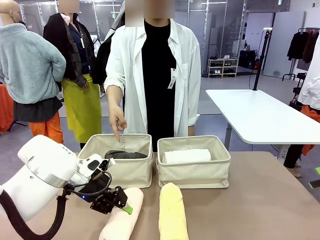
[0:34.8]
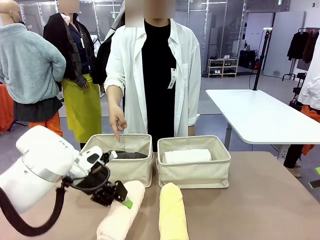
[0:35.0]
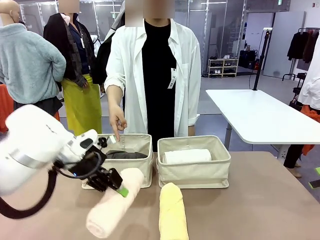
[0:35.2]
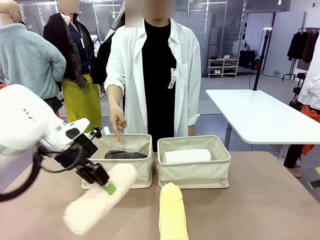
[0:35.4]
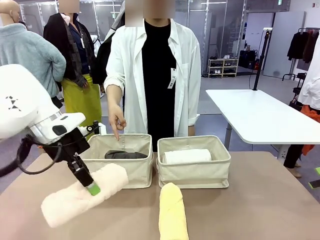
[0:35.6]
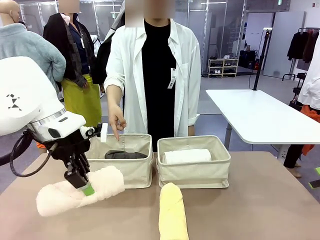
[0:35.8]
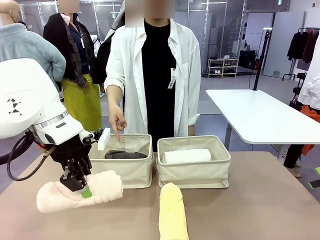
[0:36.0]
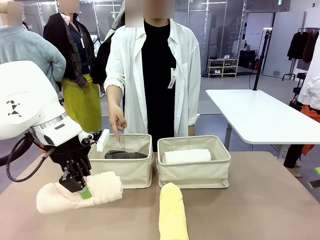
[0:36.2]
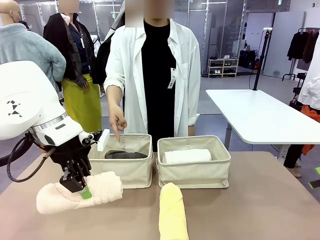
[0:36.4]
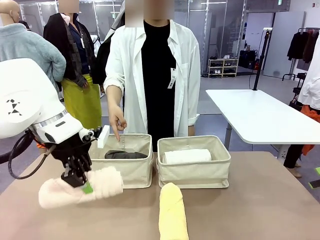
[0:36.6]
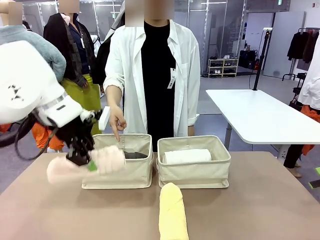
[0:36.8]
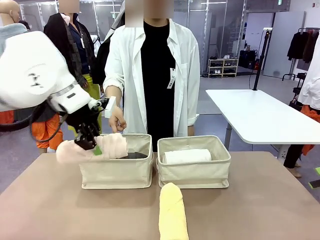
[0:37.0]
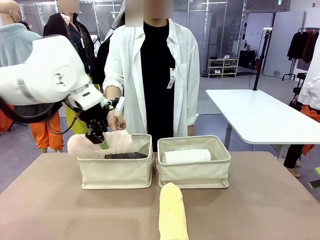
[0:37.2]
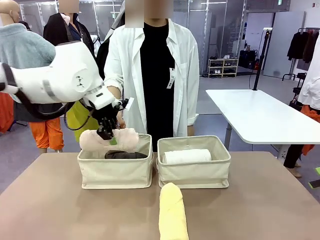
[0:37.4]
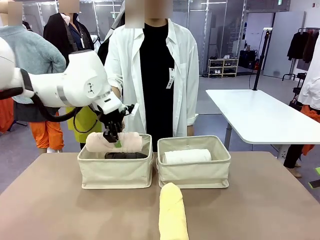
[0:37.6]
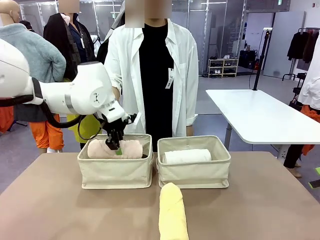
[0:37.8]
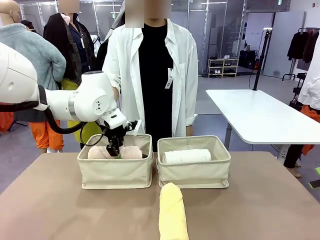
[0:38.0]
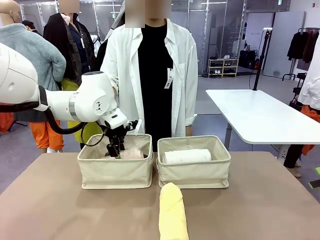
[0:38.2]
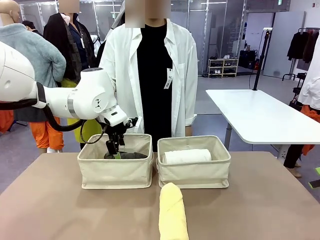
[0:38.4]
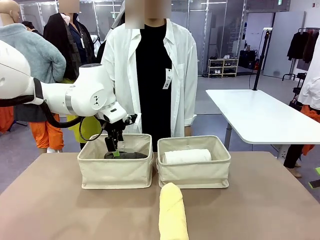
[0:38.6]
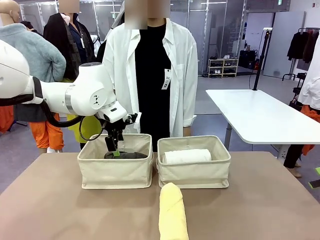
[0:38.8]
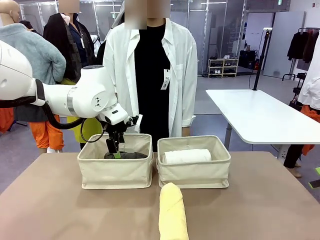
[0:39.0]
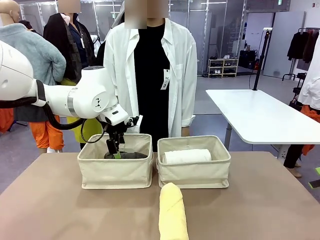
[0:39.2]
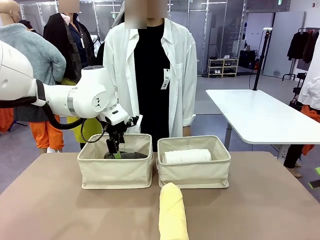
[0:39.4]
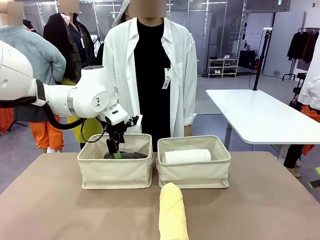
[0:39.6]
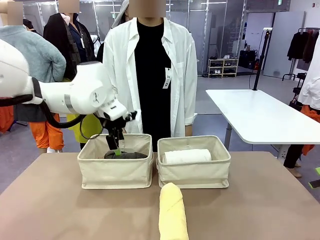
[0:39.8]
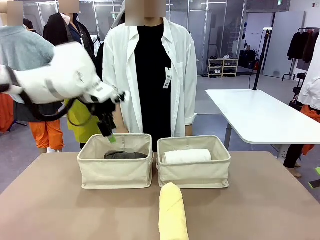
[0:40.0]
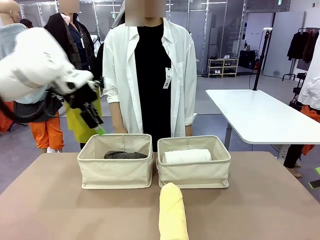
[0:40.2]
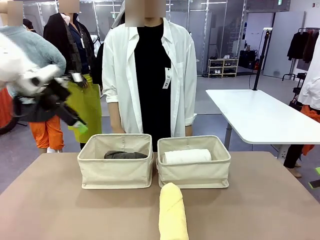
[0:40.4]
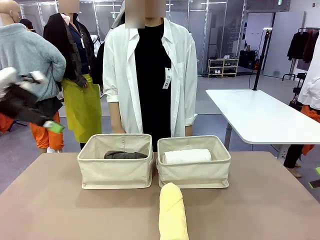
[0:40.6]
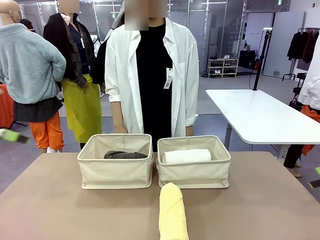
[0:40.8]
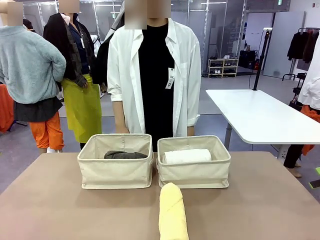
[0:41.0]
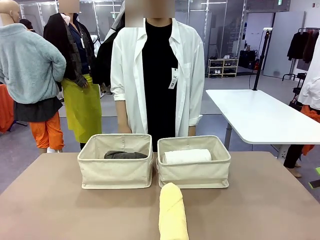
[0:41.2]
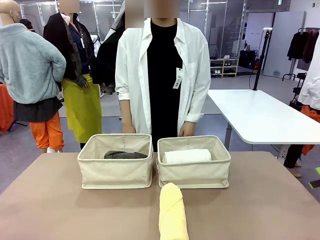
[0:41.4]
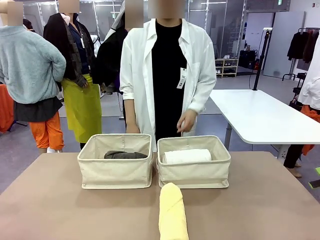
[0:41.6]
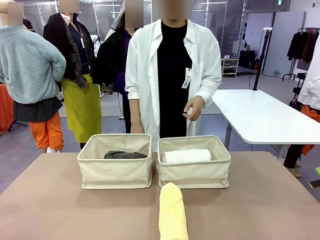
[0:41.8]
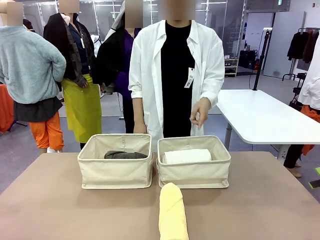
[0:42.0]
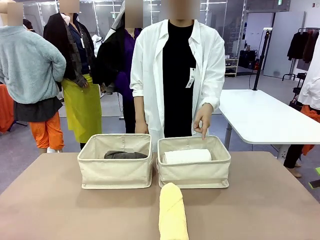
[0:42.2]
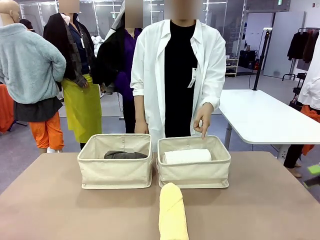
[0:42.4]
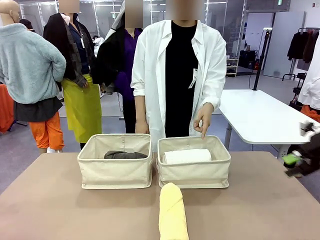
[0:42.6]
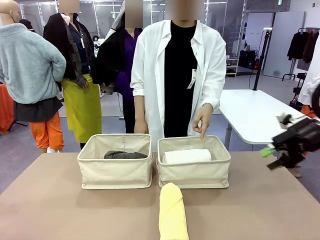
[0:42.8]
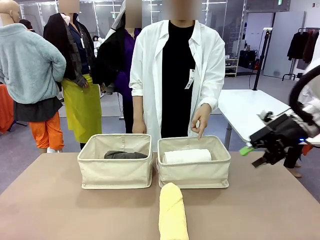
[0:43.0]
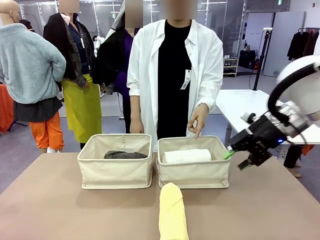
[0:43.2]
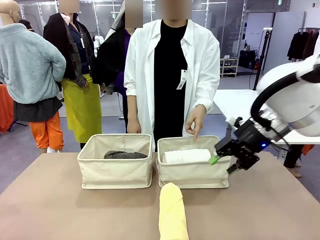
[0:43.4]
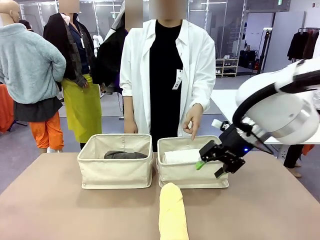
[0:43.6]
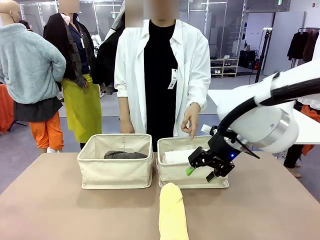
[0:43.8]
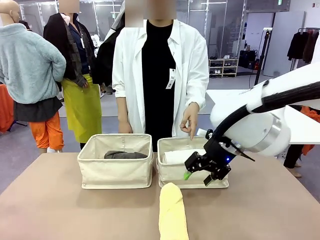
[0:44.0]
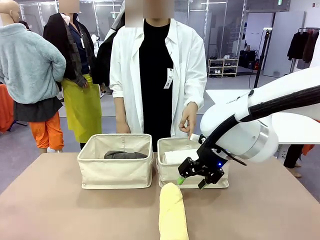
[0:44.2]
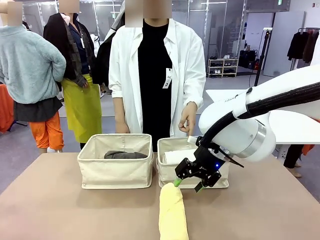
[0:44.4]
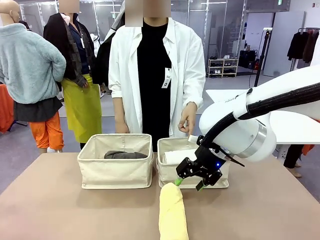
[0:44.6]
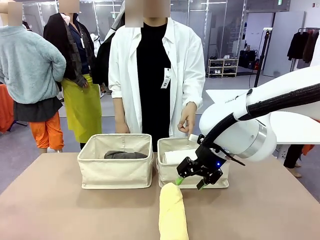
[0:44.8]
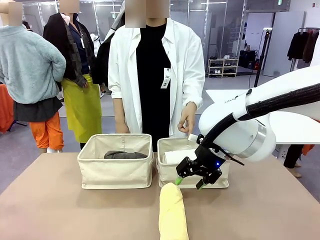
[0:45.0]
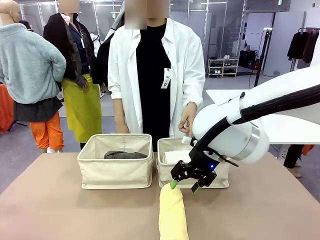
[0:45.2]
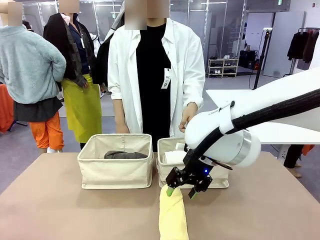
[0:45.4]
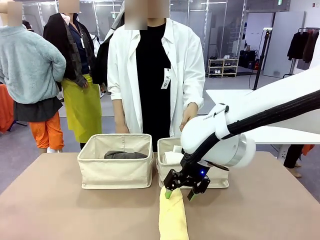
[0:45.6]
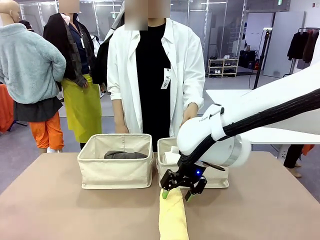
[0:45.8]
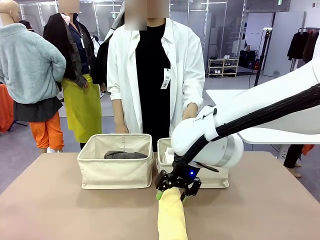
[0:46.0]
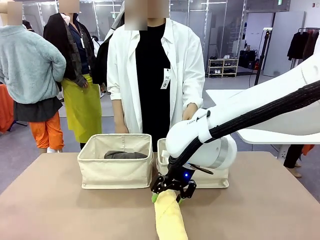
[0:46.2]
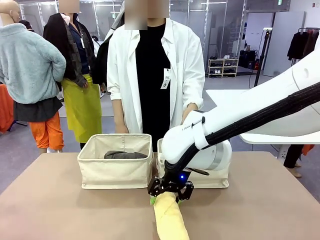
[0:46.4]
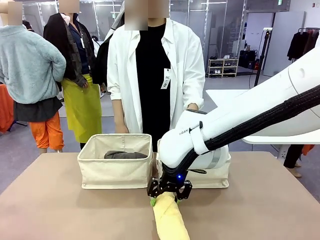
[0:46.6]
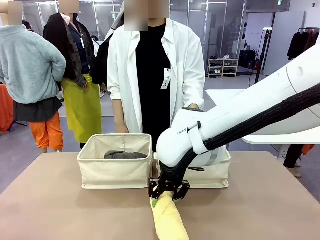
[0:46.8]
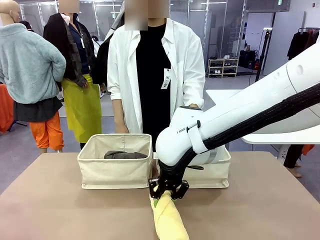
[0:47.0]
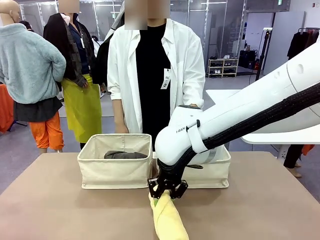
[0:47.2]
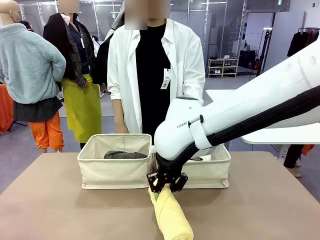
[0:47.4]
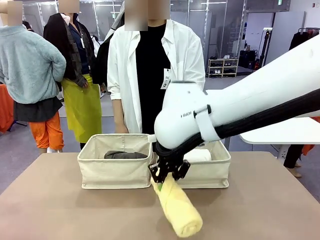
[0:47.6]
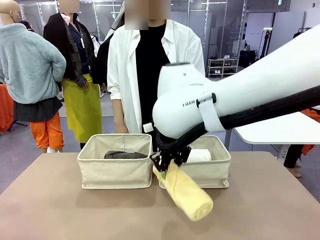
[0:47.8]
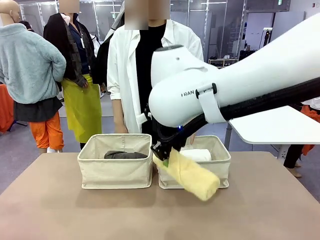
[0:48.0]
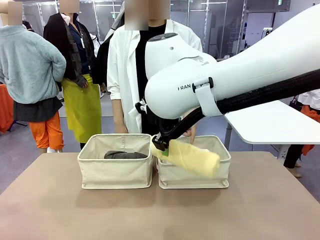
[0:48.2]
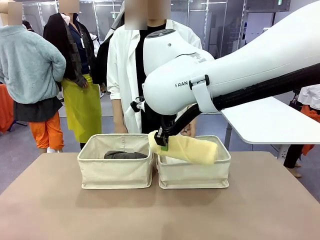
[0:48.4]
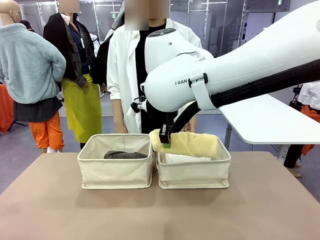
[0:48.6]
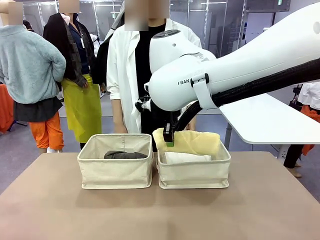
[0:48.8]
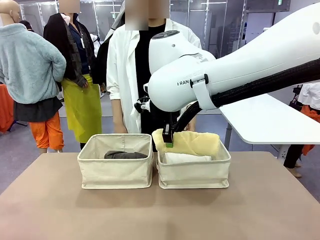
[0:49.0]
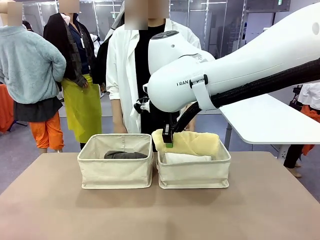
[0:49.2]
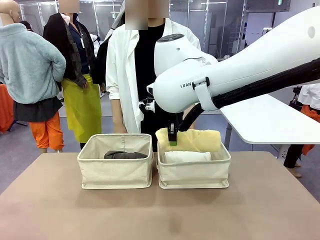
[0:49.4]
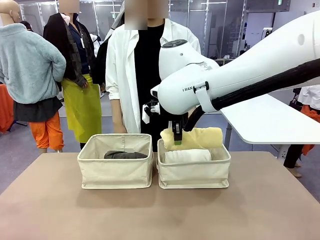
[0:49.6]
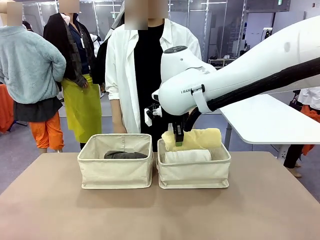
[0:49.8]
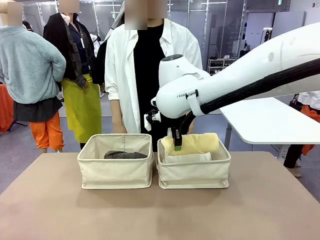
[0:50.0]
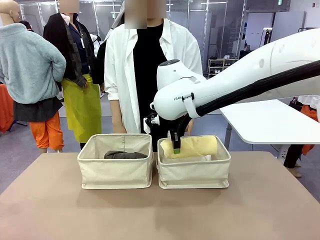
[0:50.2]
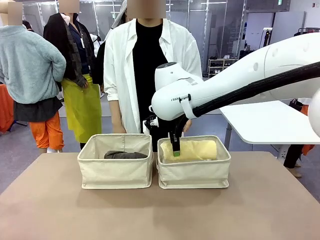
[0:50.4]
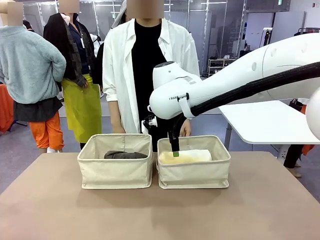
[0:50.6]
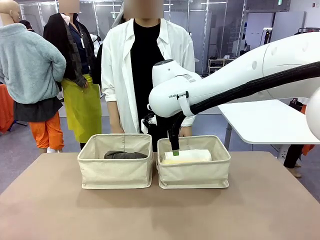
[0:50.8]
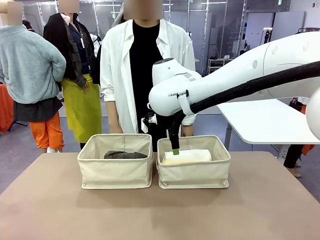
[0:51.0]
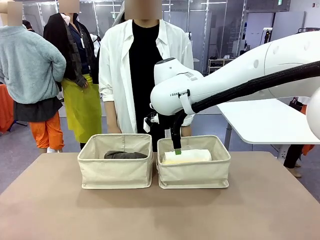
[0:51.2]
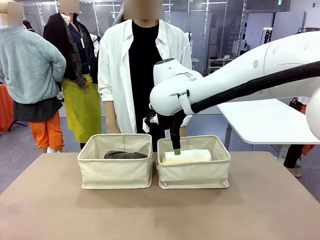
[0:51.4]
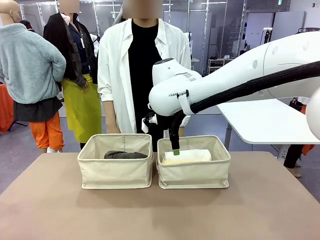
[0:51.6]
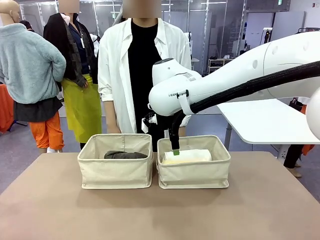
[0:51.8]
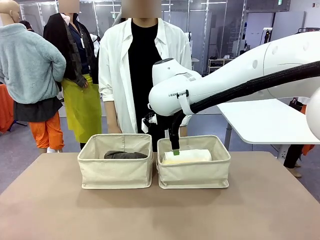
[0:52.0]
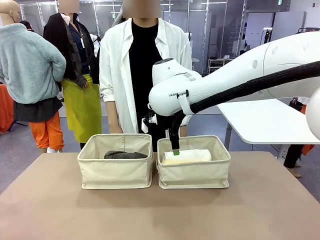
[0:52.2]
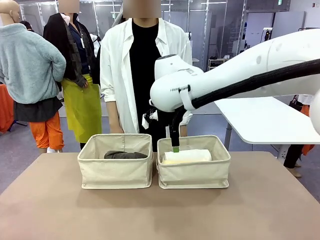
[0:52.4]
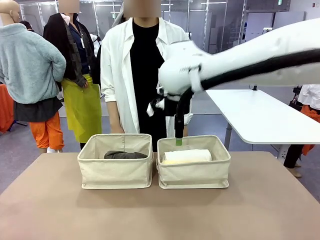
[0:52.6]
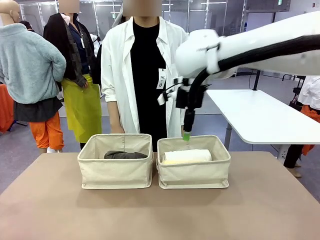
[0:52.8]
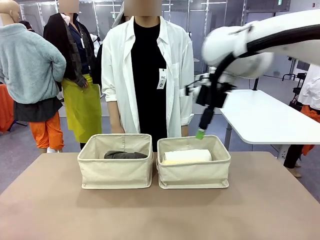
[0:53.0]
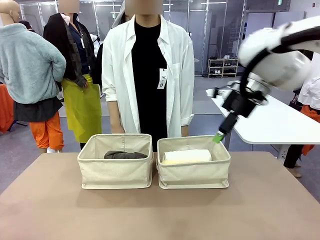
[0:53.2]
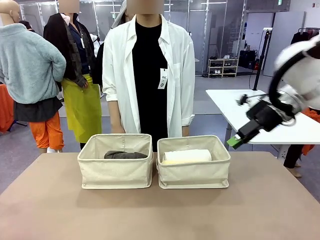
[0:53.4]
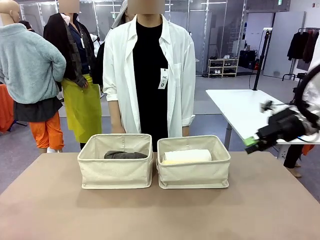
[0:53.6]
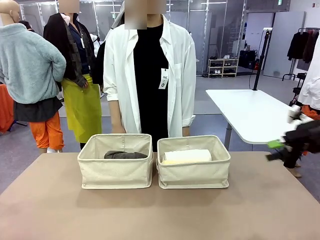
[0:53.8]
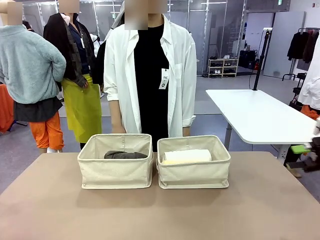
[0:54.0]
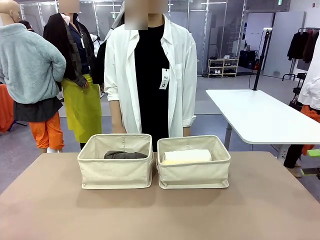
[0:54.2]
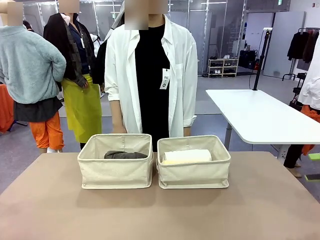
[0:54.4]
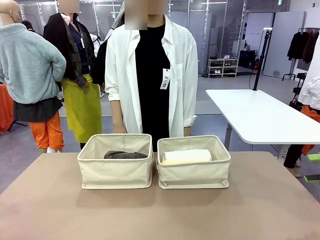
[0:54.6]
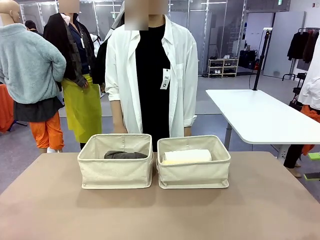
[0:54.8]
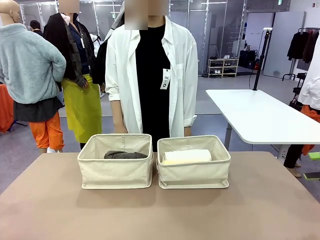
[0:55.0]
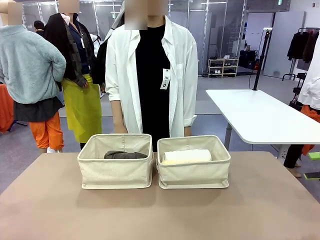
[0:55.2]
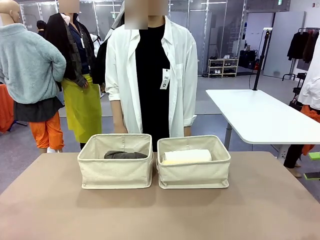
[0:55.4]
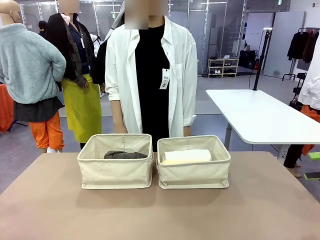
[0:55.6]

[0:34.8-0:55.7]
Task: Divide the towels into two baskets.
Robot: Pick up one hotel-folded towel from the bottom of the table and place it in the Fabric basket indicated by the person.
